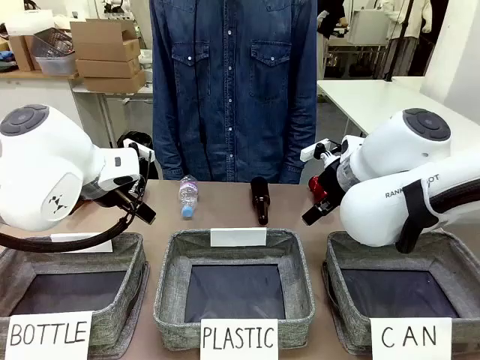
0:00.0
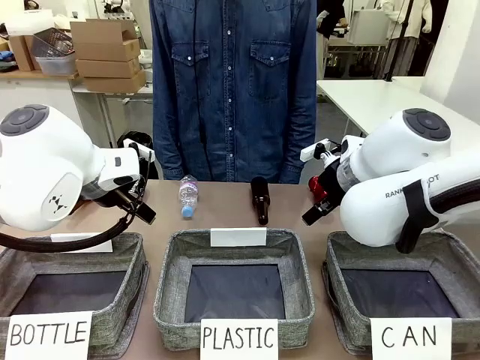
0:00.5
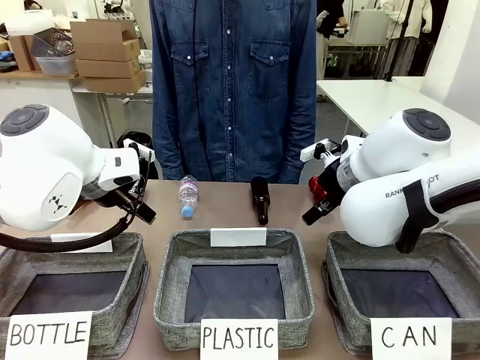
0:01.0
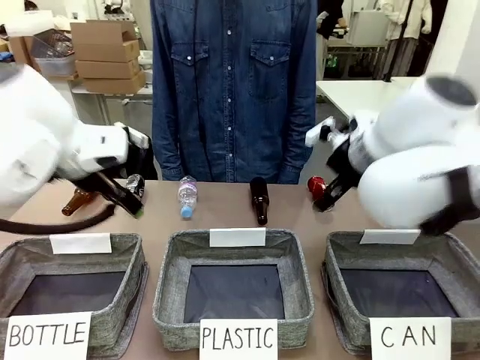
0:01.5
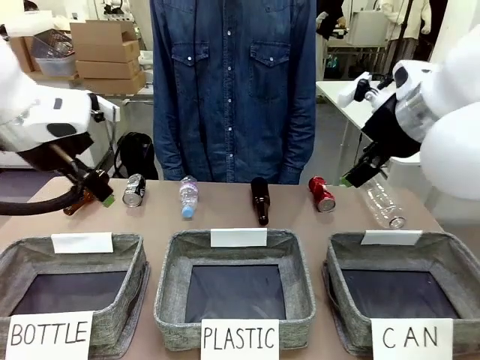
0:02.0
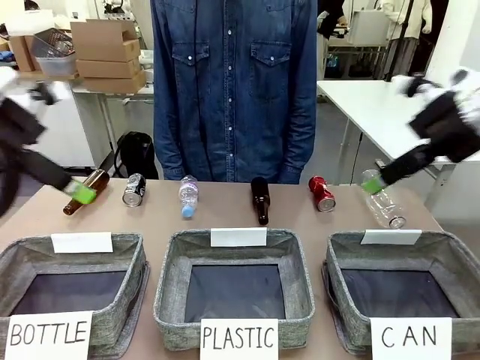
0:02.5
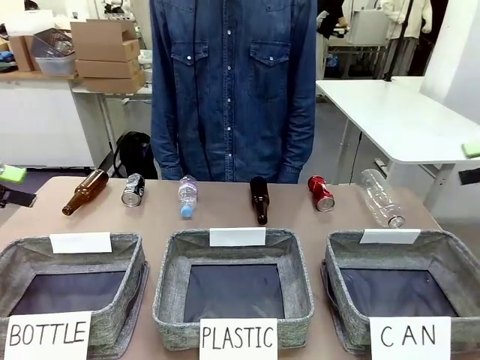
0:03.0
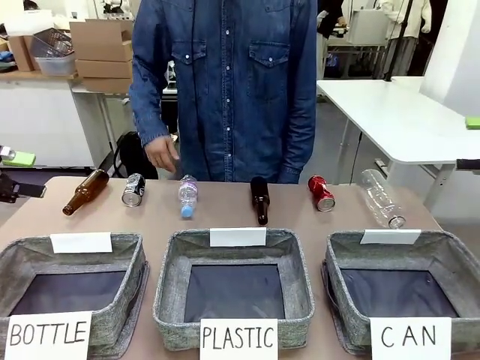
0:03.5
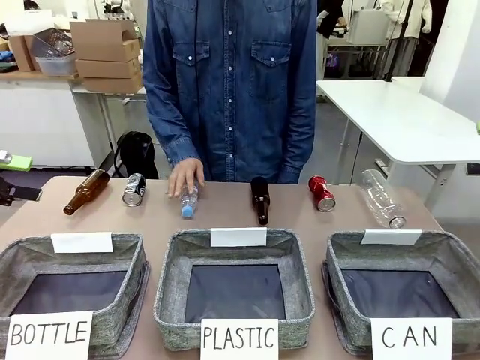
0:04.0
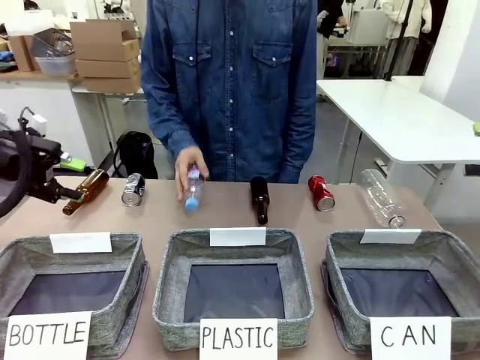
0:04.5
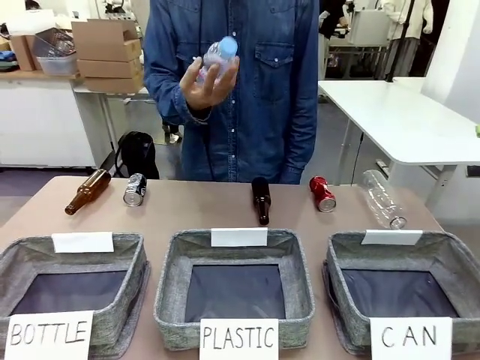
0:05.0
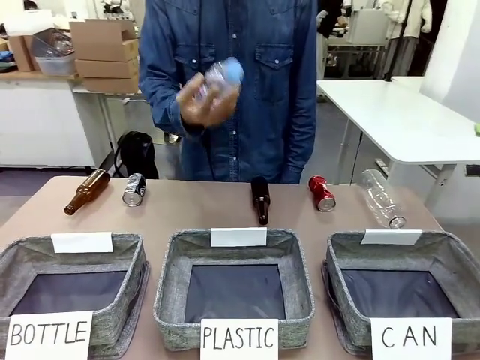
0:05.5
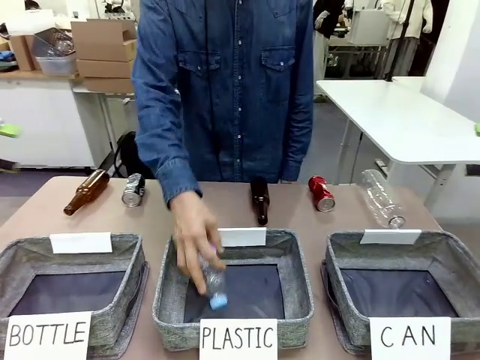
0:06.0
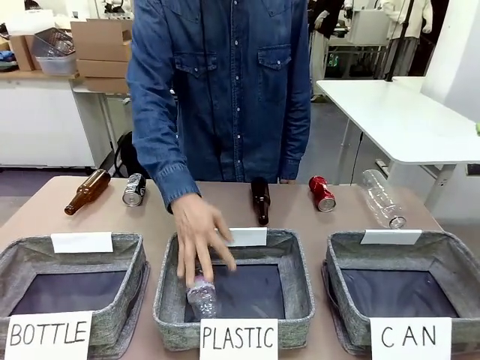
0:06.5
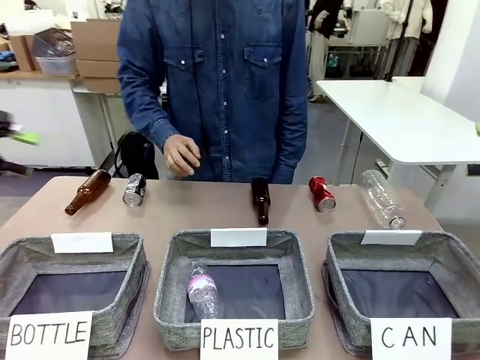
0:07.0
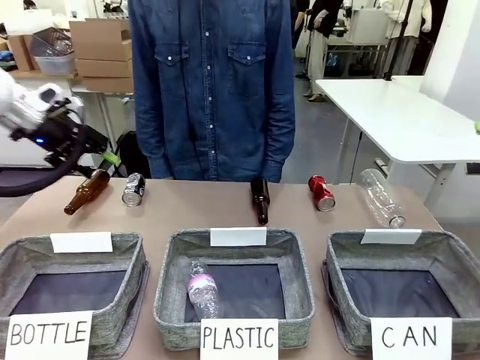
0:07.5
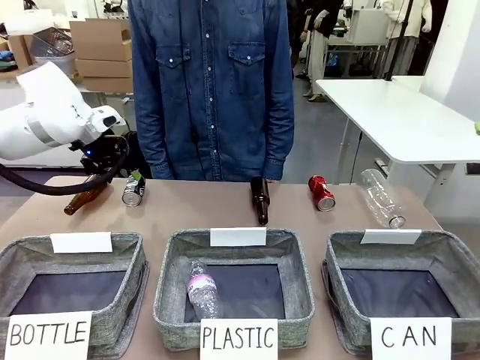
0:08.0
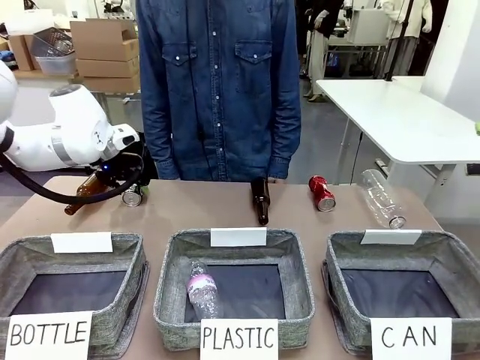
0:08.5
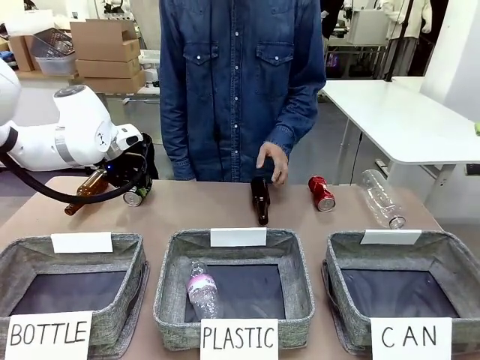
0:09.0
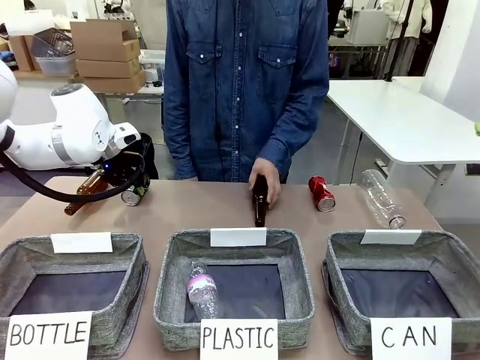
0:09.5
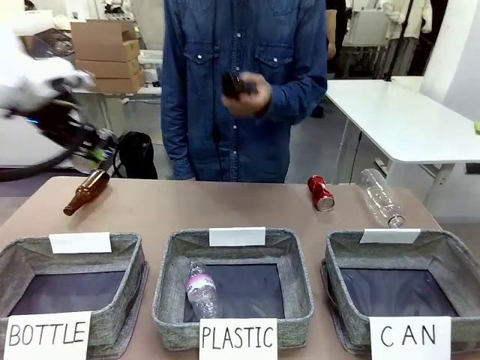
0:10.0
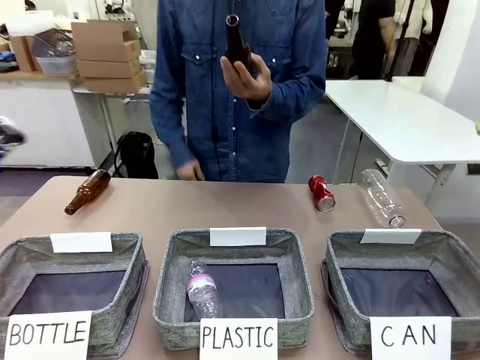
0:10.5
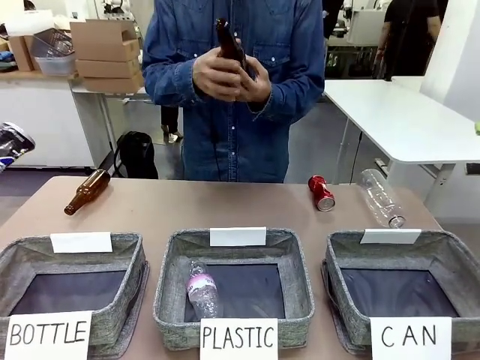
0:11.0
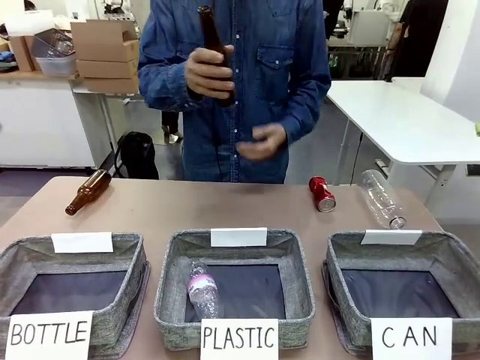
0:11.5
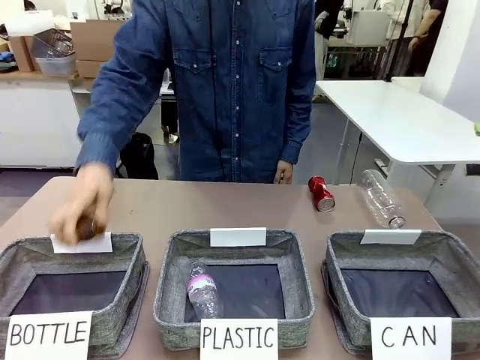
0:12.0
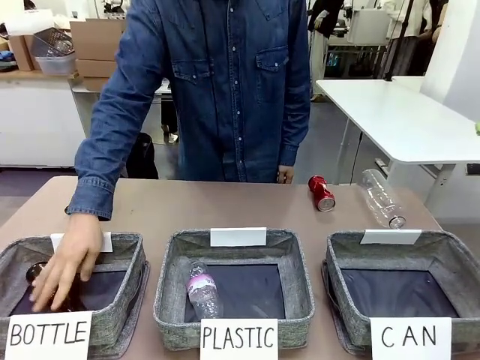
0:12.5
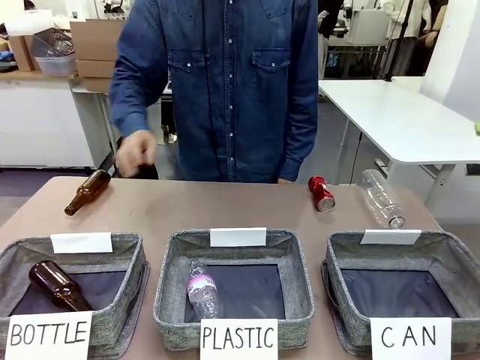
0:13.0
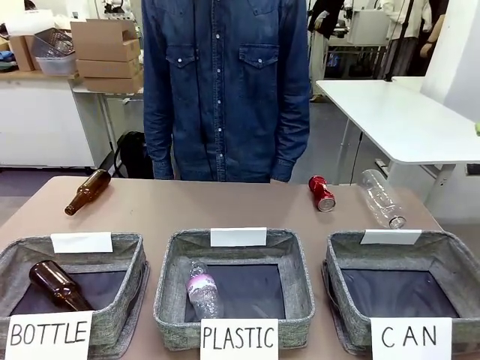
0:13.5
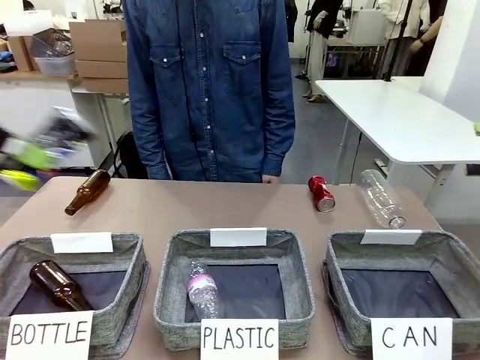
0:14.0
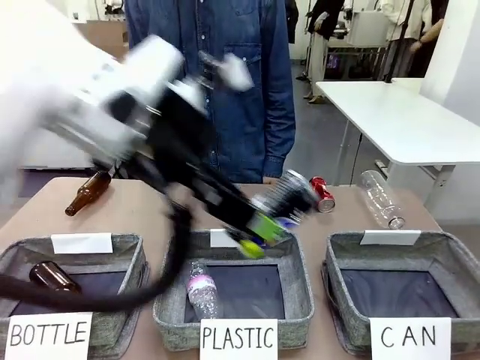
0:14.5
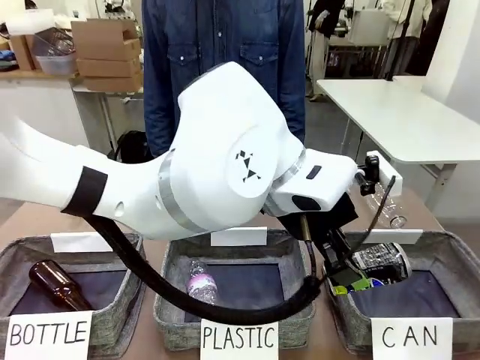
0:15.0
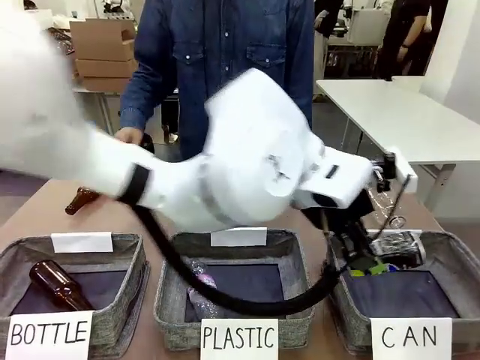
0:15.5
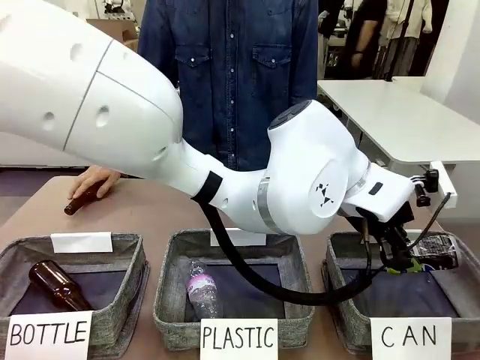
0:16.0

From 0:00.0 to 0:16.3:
Task: Sort the can waste into the basket.
Robot: Pick up the can waste from the table and place it in the right Fabric basket.

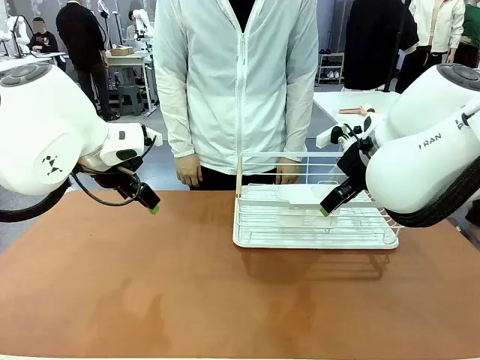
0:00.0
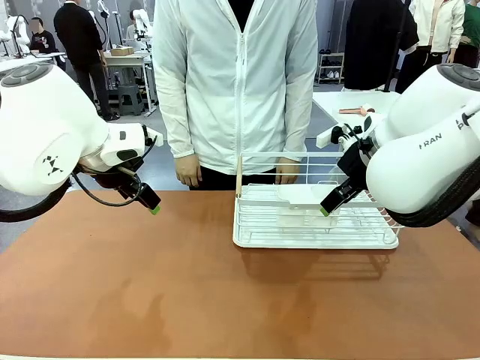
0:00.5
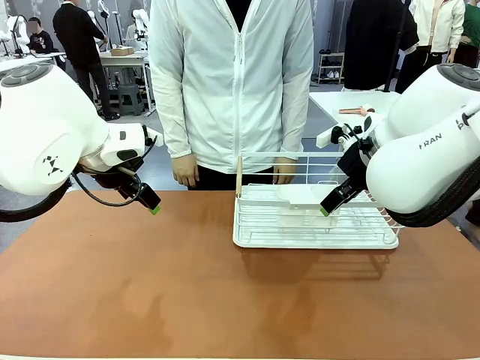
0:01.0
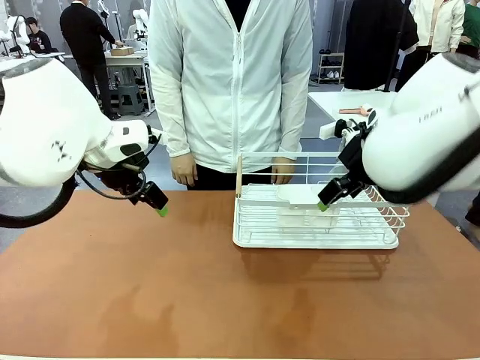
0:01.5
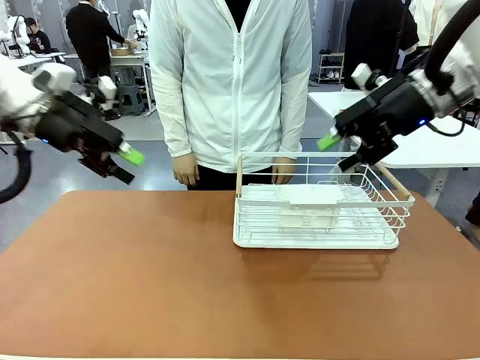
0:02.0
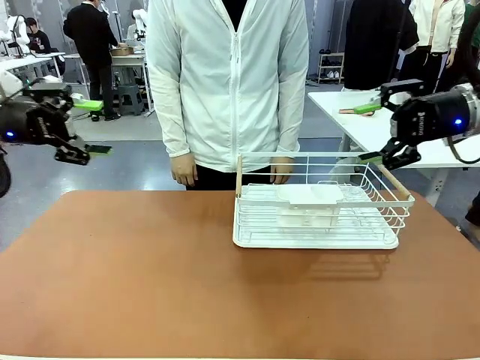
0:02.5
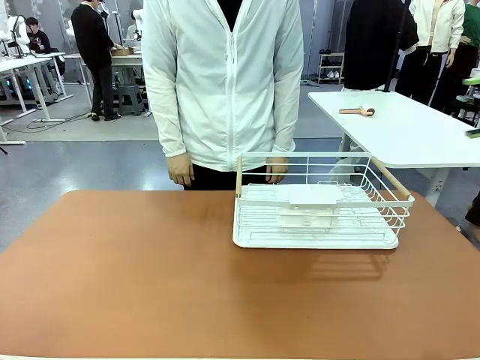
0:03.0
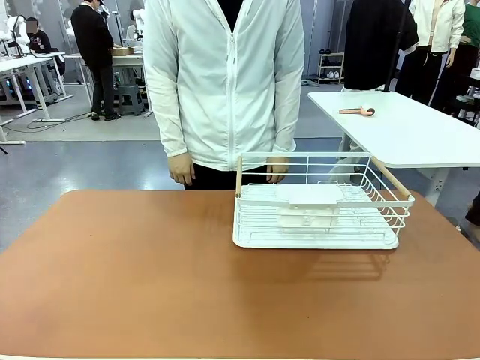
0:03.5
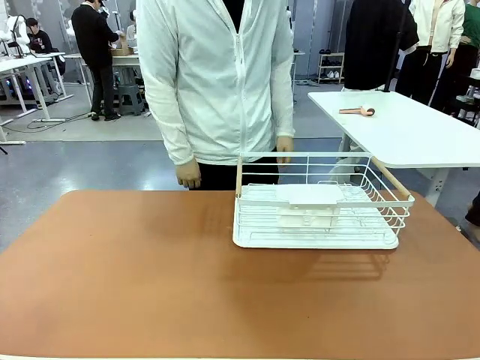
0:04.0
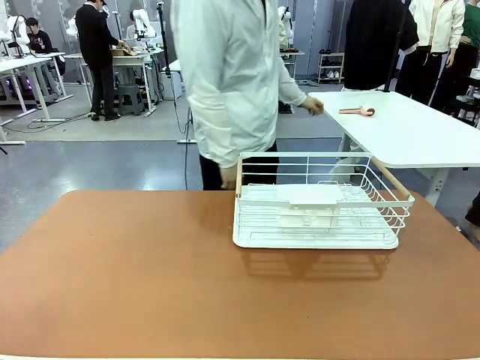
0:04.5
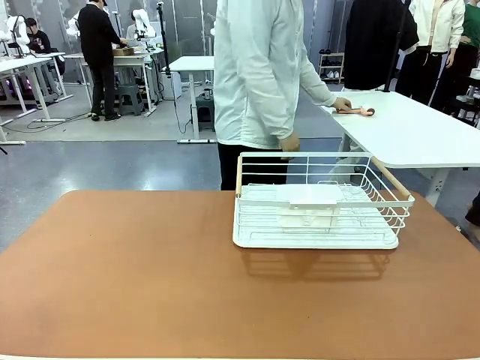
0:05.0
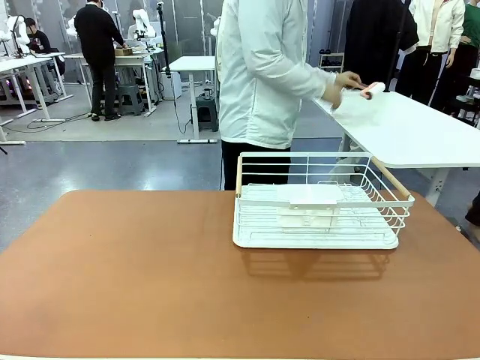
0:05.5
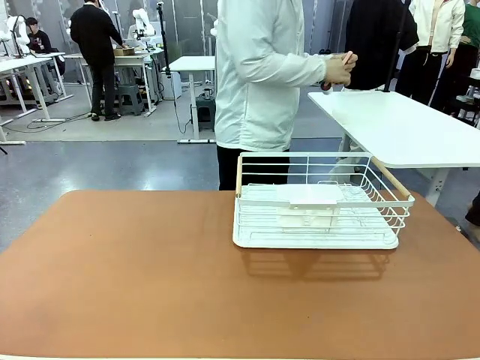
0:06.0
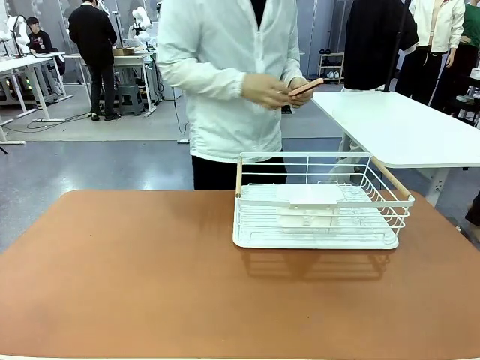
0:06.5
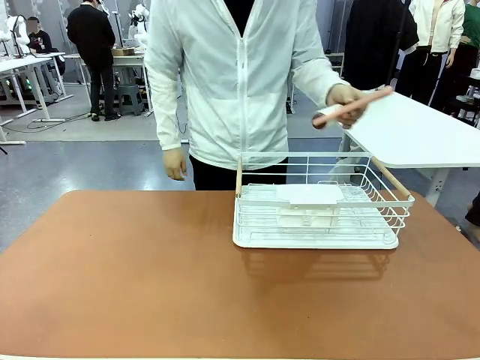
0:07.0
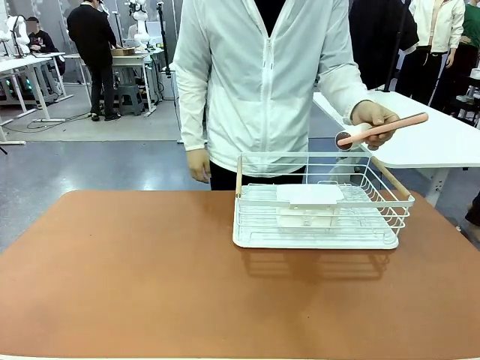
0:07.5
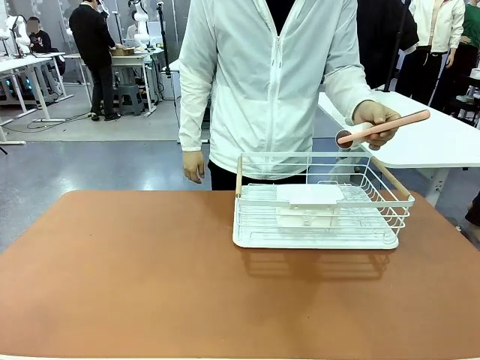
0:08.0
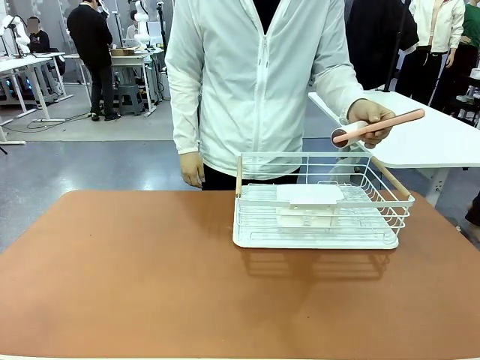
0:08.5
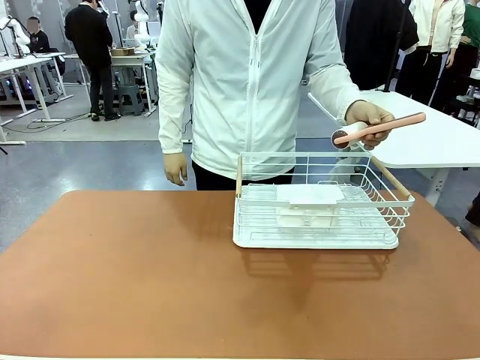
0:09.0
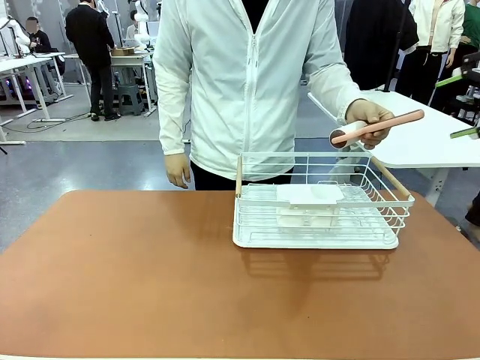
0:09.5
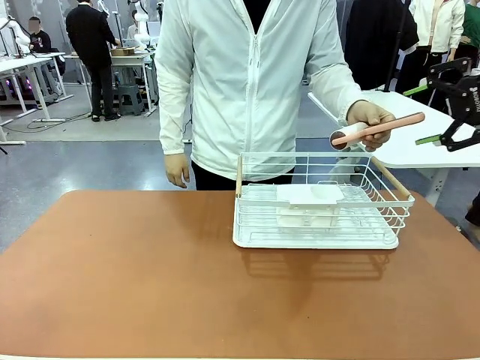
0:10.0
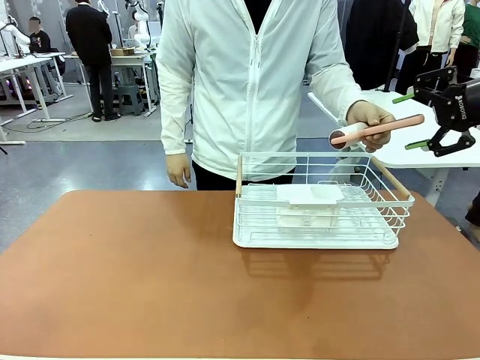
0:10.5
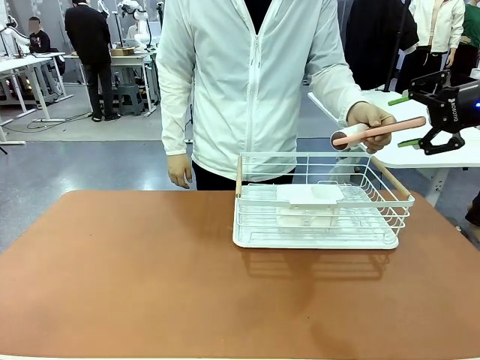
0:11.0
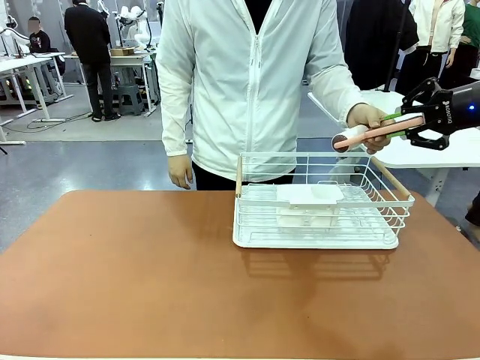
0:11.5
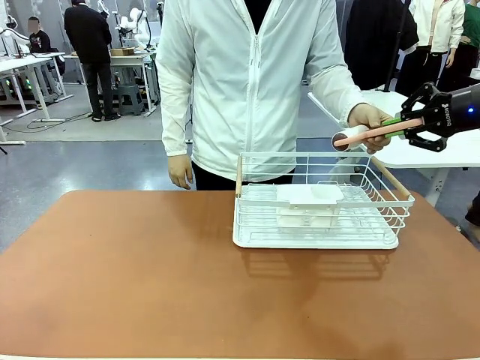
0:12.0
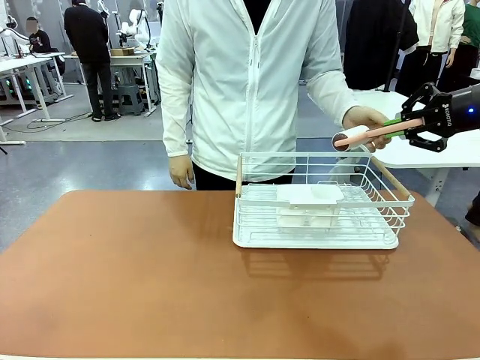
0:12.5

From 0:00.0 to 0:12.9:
Task: Clean the table.
Robot: Pick up the Lint Roller when the human hands it over.
Person: Hand the Lint Roller to the robot so it can easily pick it up. Lift the Dish drying rack.
